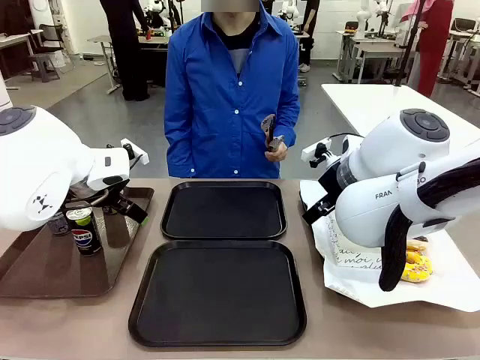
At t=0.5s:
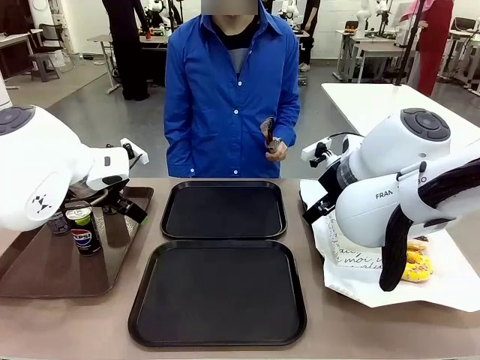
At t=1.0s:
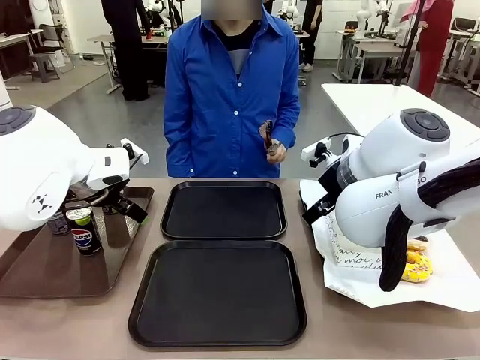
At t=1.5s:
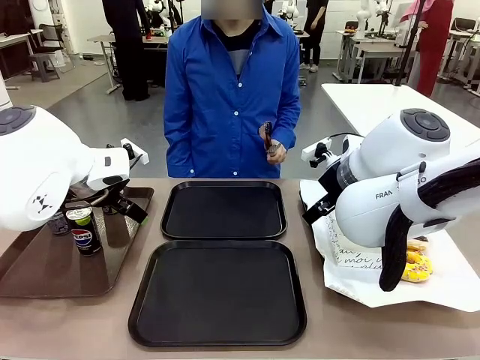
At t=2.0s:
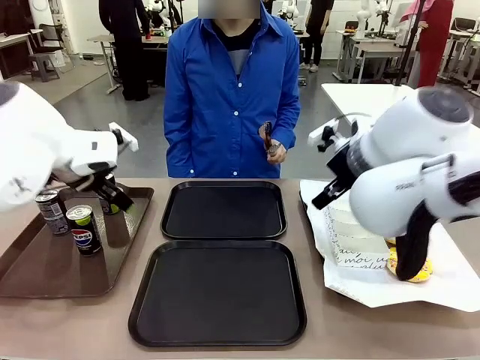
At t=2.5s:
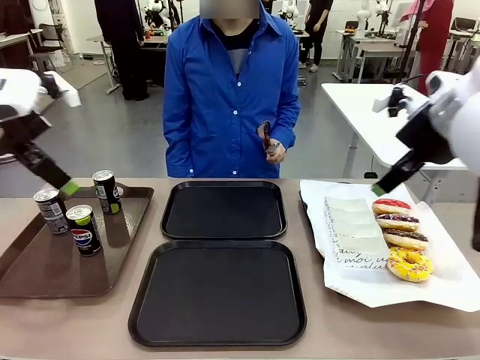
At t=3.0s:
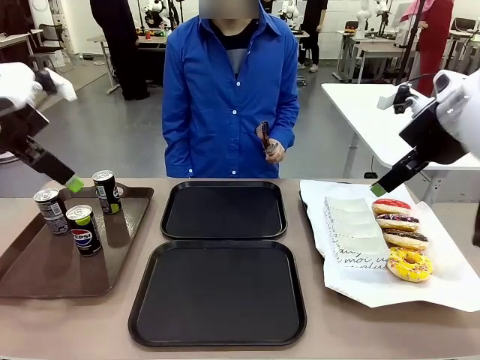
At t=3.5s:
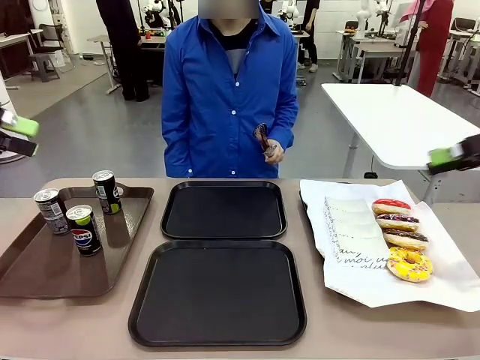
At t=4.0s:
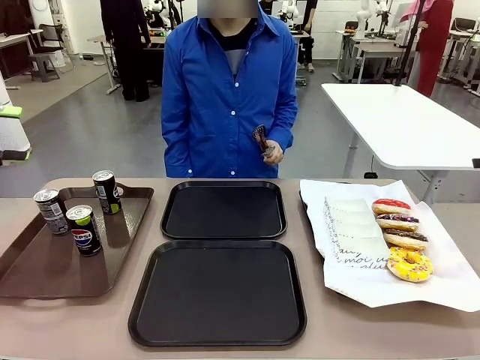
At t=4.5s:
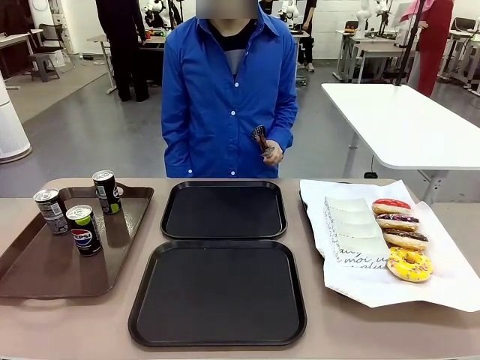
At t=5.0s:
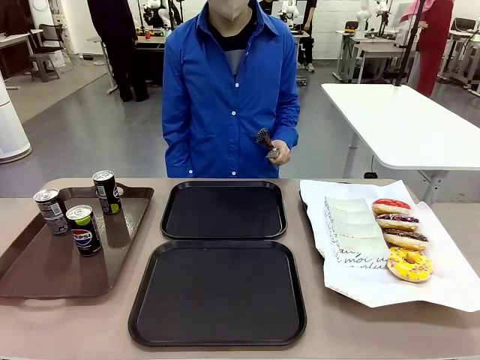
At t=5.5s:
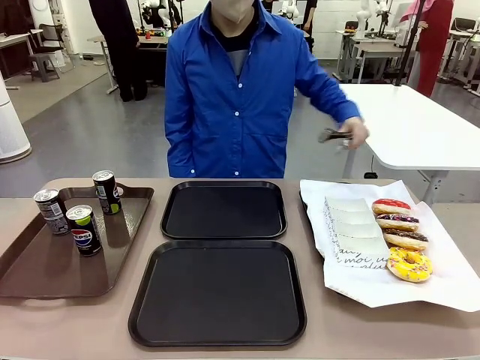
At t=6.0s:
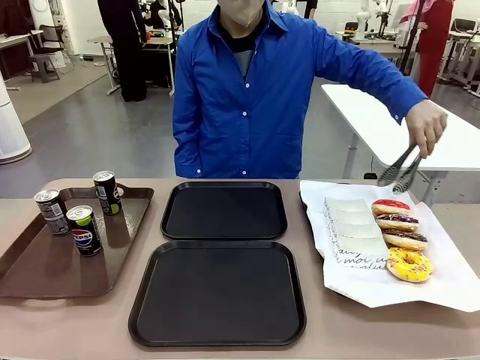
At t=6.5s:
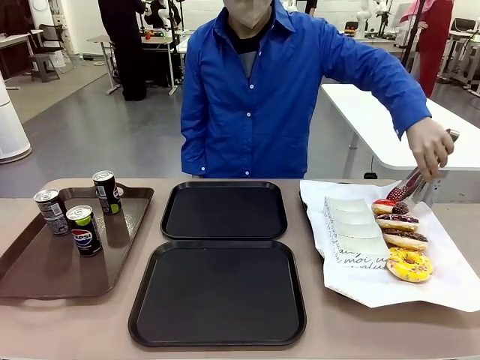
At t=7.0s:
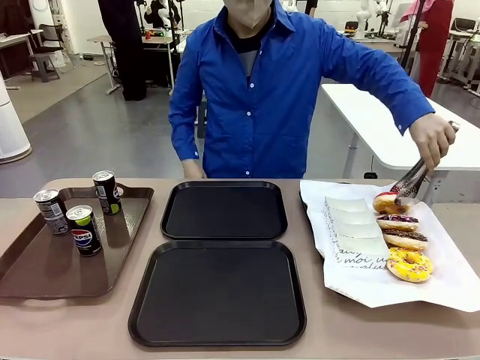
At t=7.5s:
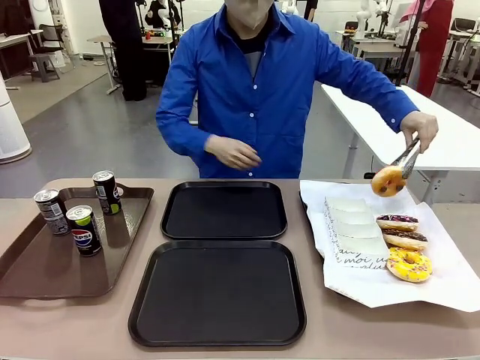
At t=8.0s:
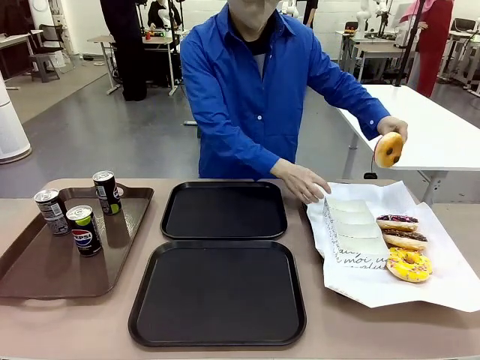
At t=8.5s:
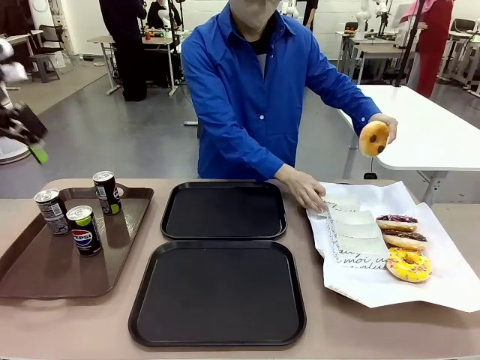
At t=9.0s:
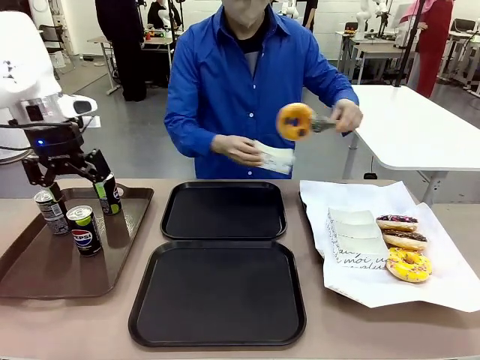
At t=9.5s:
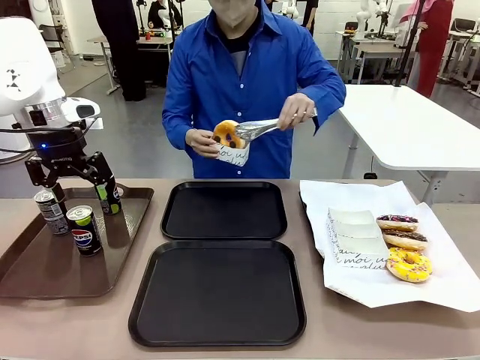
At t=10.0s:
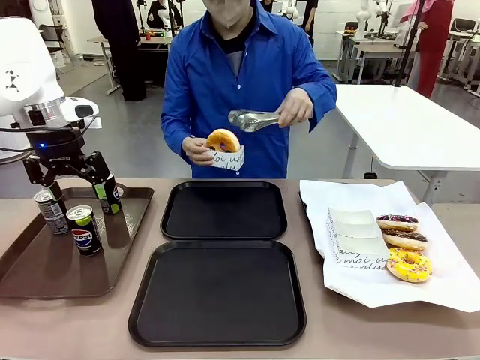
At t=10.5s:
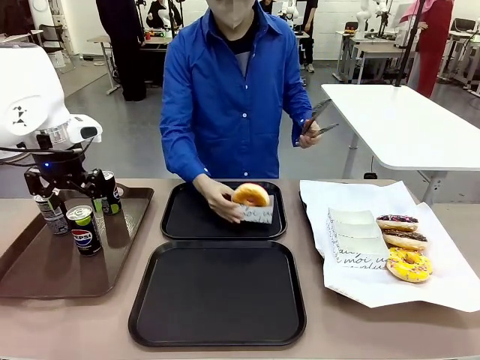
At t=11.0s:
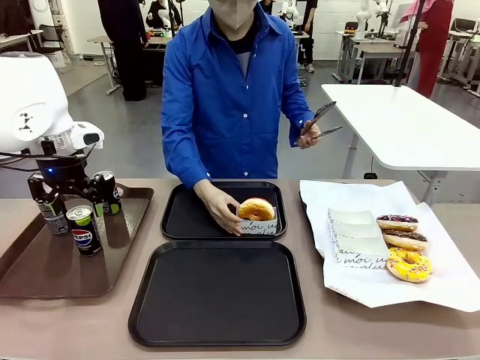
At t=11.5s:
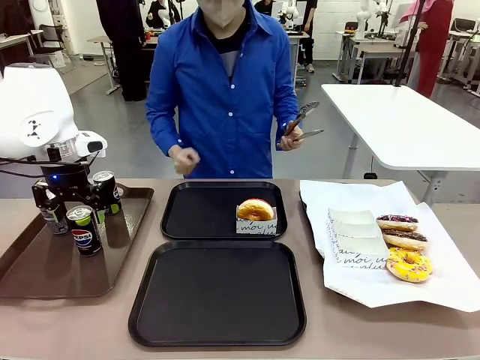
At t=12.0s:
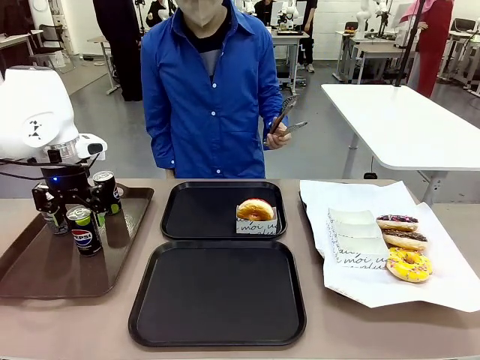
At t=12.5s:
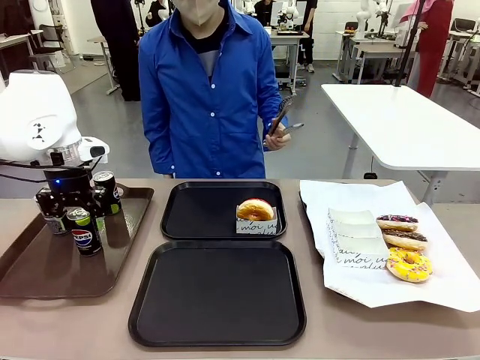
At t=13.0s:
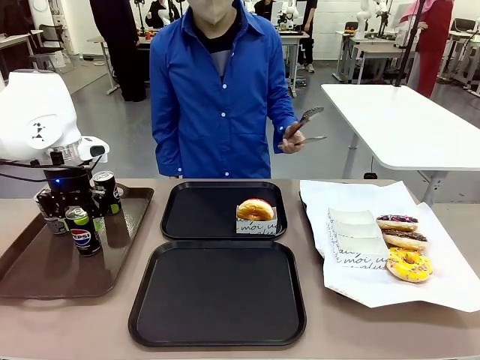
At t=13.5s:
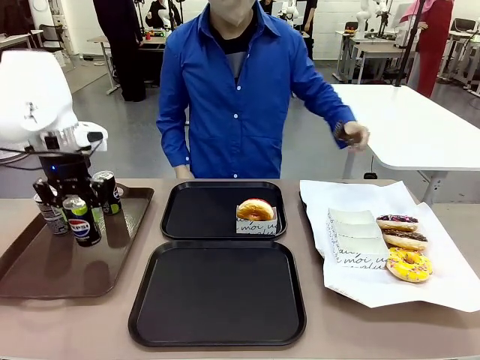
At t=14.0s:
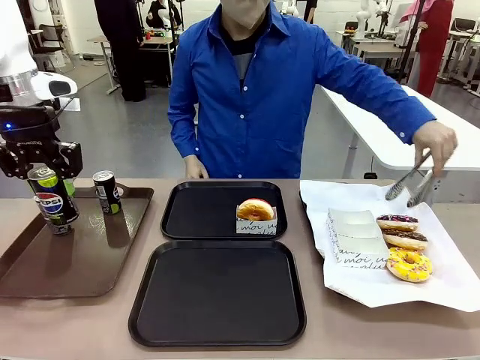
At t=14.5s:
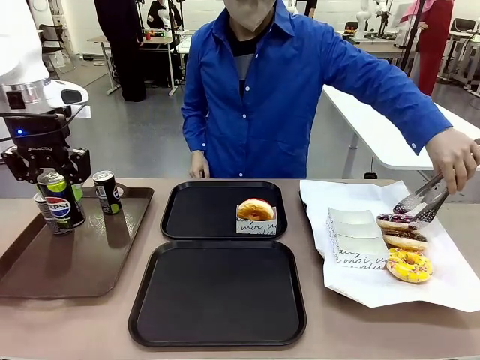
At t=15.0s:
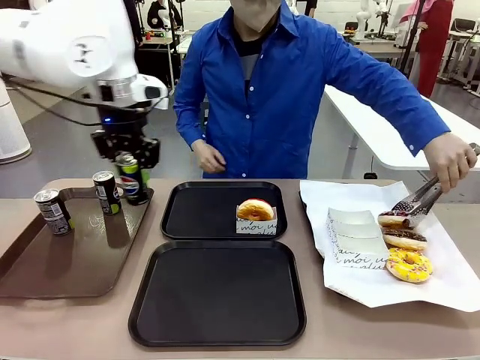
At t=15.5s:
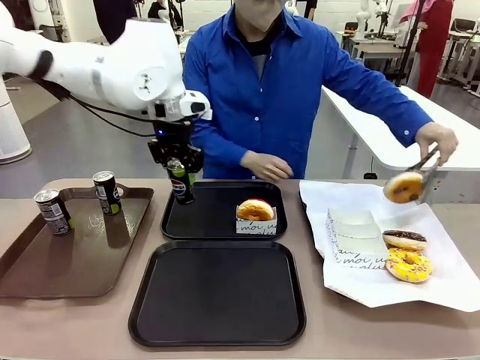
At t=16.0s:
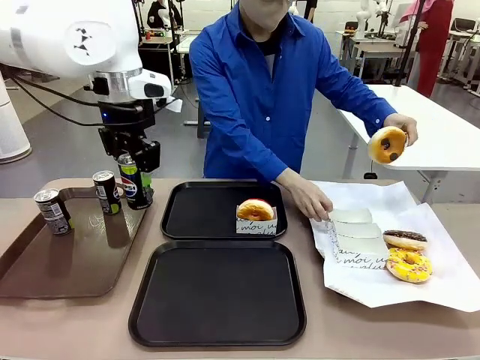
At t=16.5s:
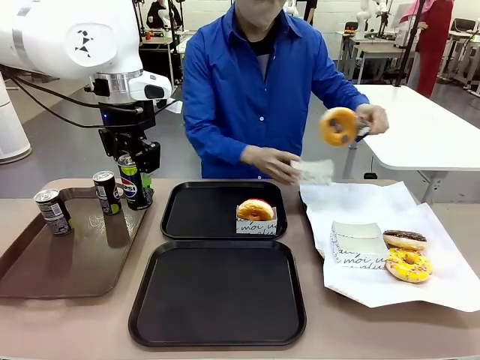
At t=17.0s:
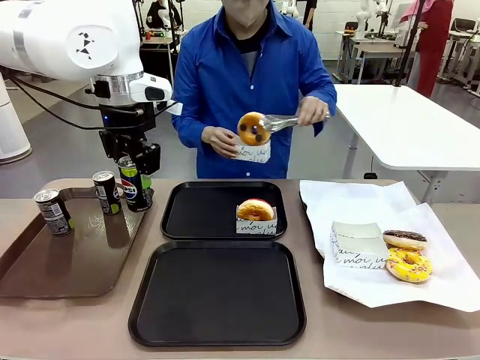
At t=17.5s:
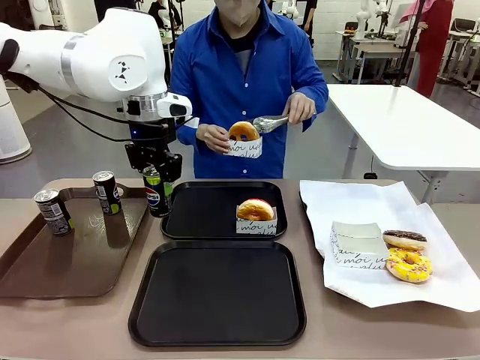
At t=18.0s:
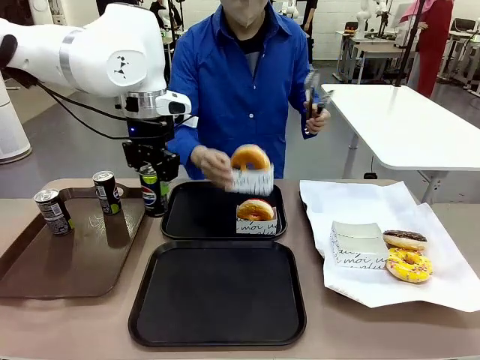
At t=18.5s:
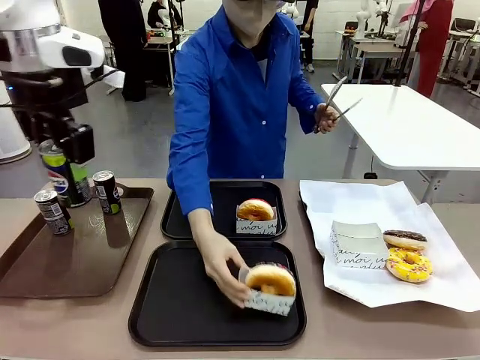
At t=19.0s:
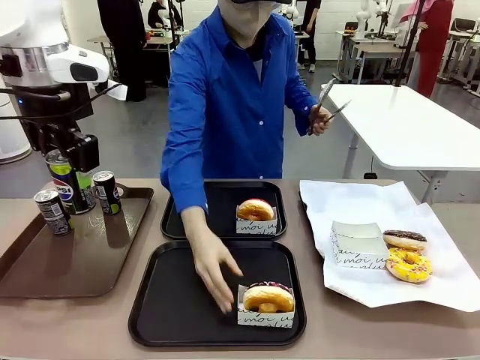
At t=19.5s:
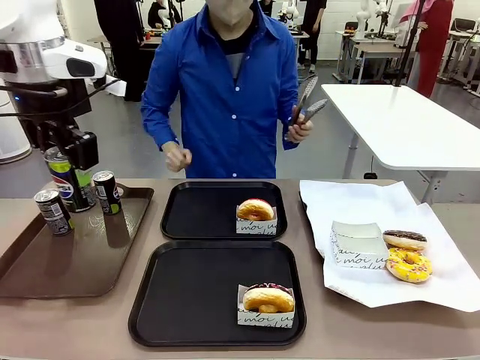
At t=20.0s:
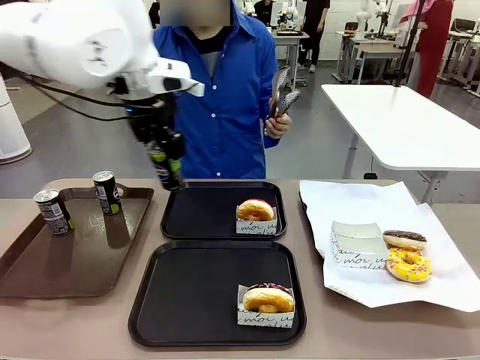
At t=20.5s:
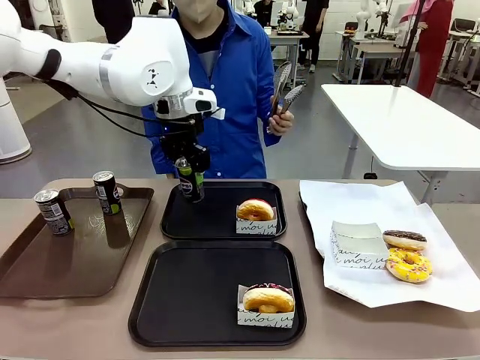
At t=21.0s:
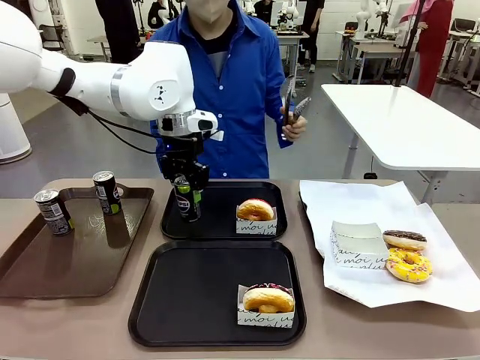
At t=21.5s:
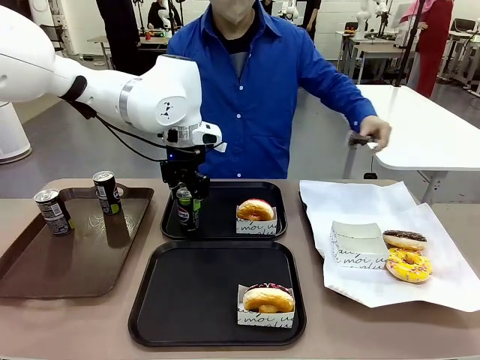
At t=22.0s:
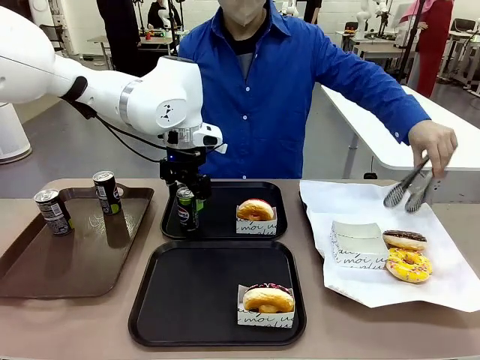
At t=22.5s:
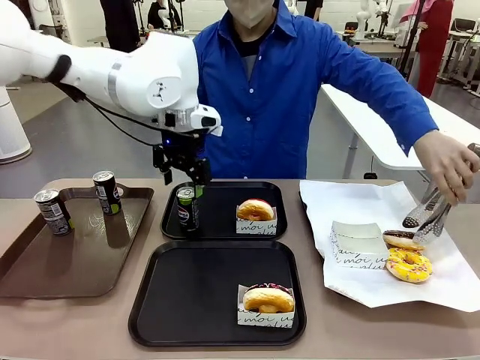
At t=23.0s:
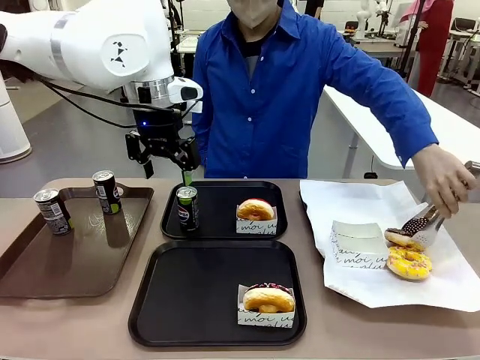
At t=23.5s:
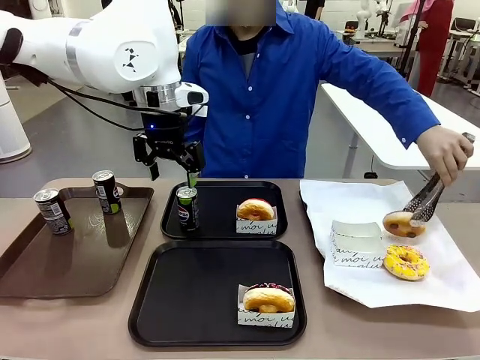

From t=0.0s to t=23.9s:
Task: Set up donuts and drinks on trays.
Robot: Pick up one Pepsi coke and place it on the Flat Tray.
Person: Pick up one donut with tongs, place it in the donut tray, and then place the donut tray on the flat tray.
